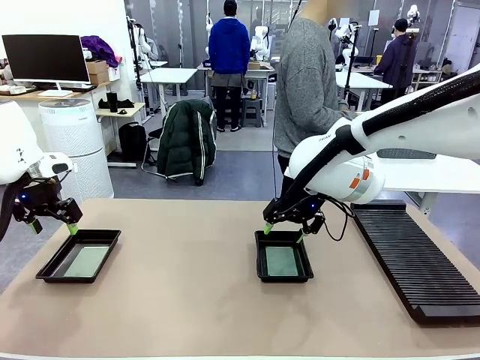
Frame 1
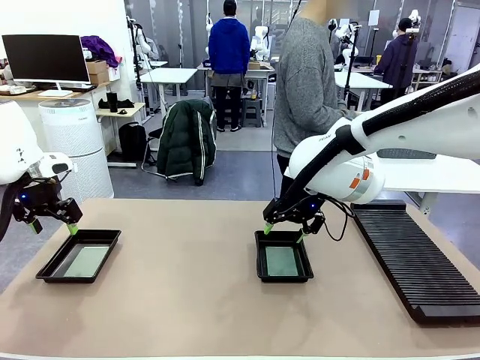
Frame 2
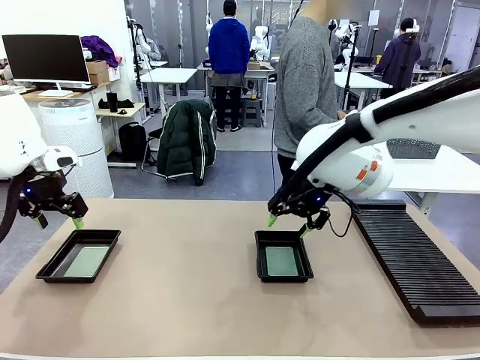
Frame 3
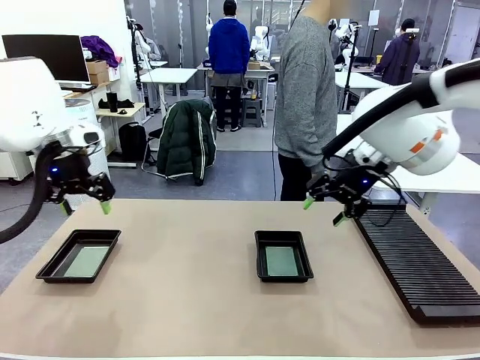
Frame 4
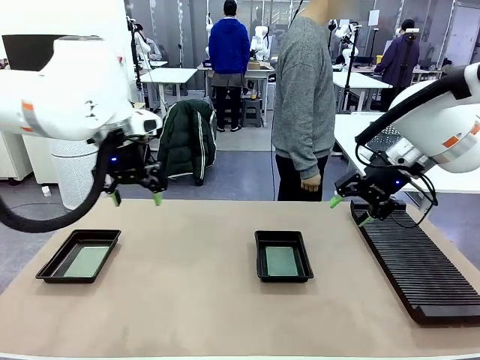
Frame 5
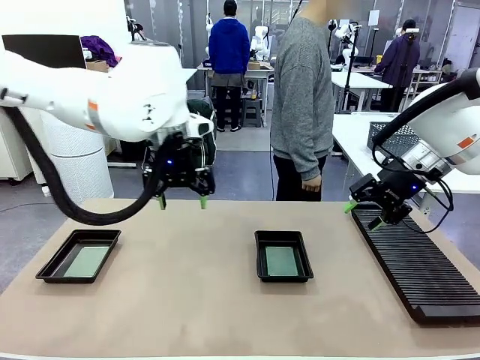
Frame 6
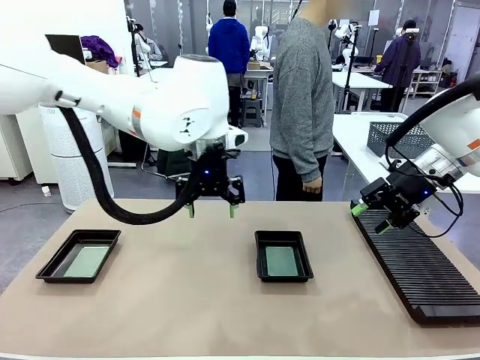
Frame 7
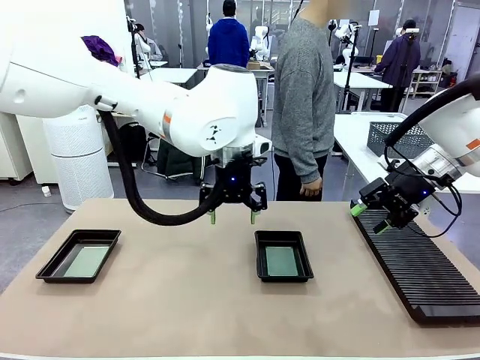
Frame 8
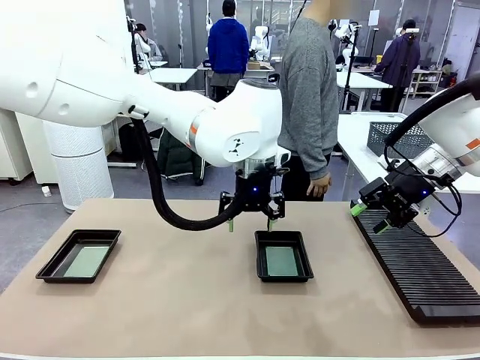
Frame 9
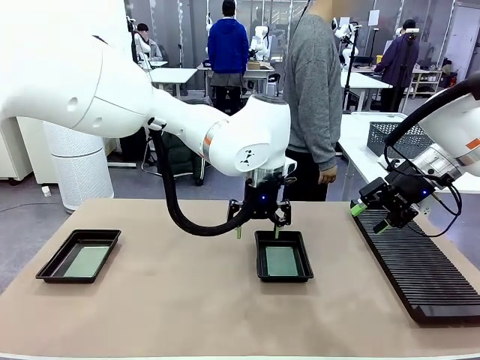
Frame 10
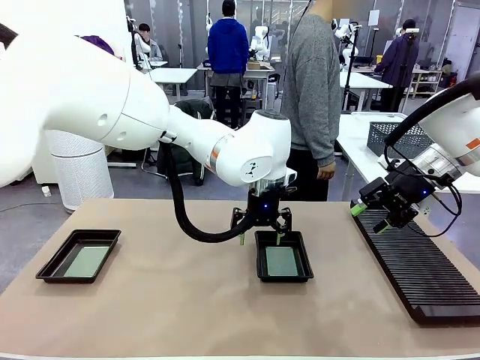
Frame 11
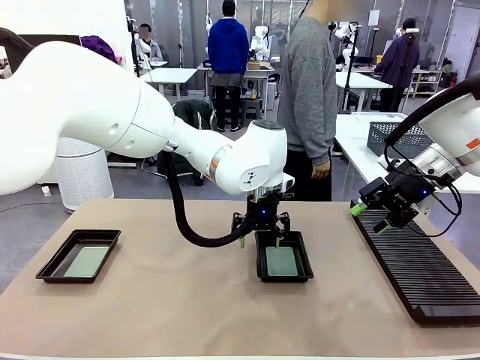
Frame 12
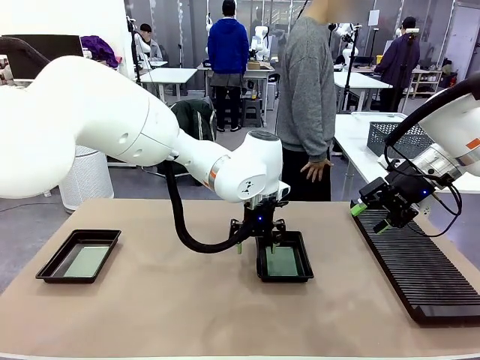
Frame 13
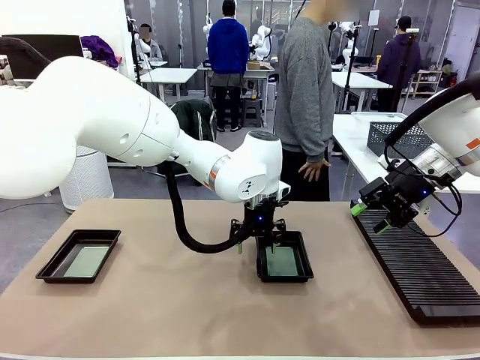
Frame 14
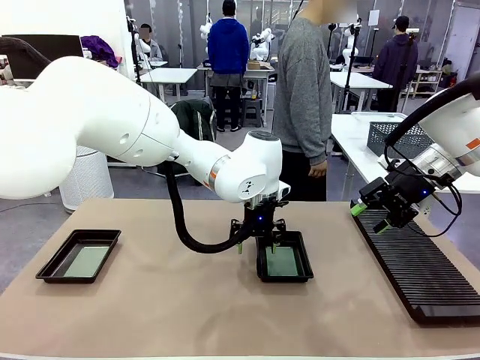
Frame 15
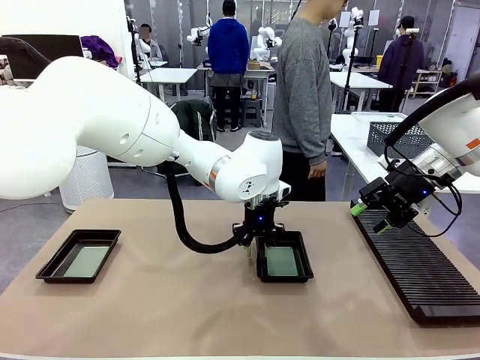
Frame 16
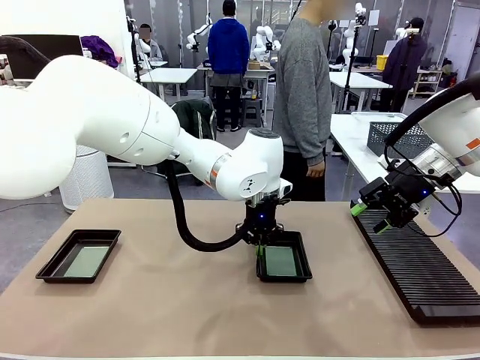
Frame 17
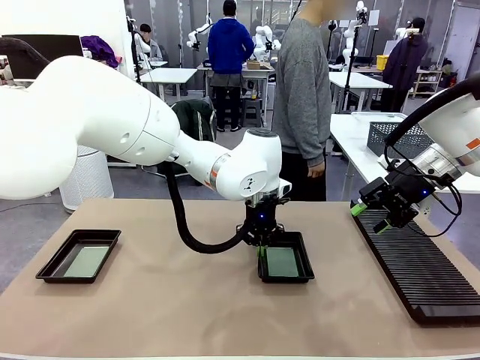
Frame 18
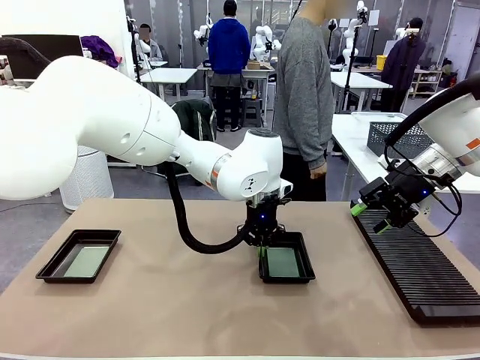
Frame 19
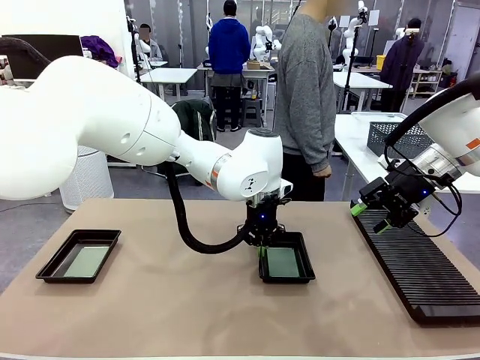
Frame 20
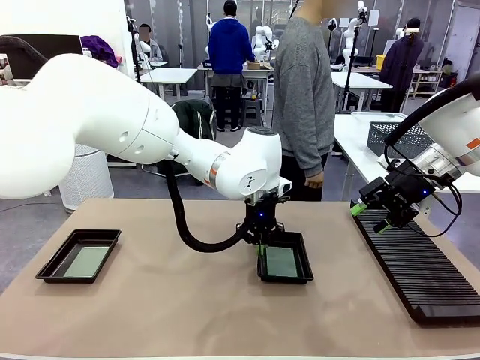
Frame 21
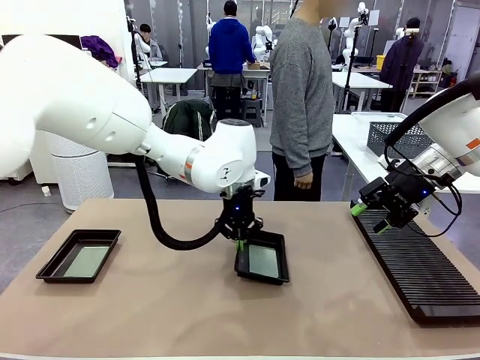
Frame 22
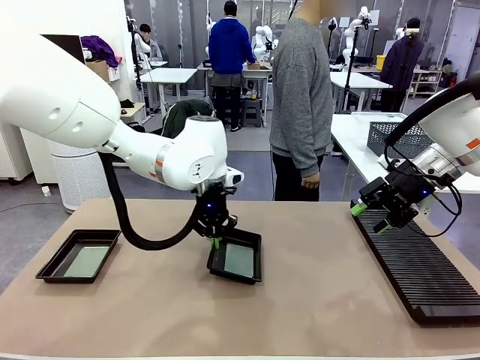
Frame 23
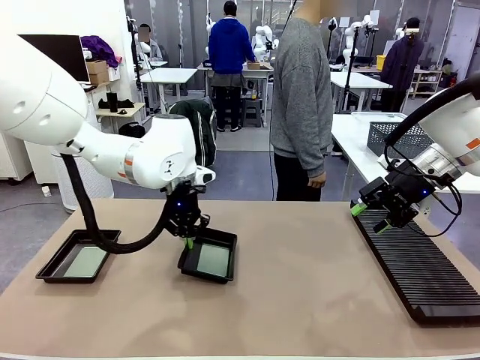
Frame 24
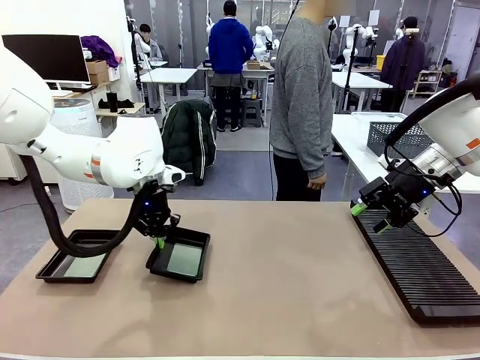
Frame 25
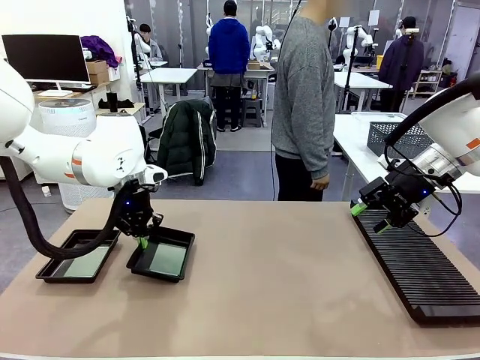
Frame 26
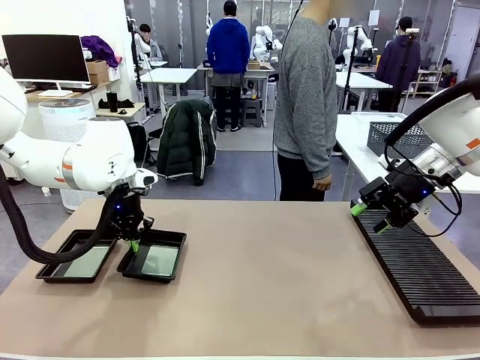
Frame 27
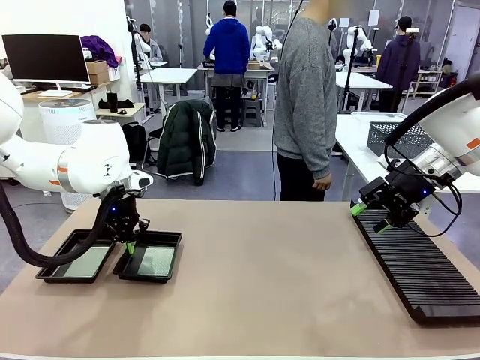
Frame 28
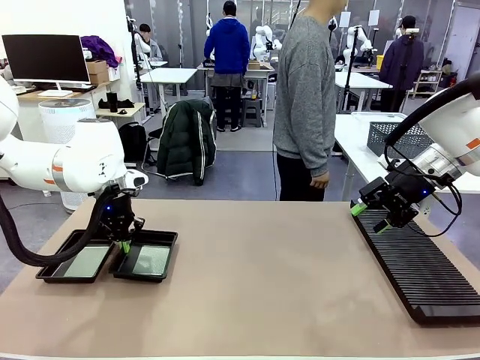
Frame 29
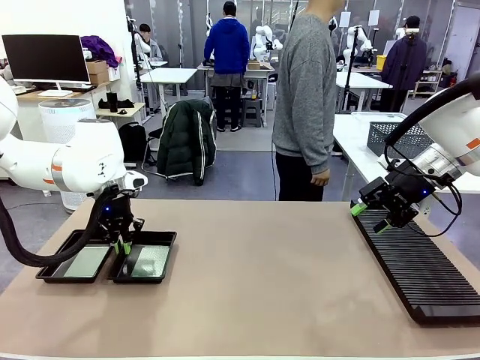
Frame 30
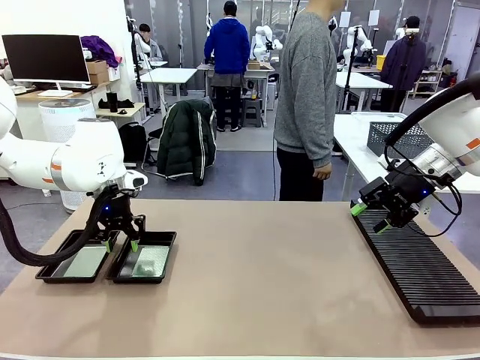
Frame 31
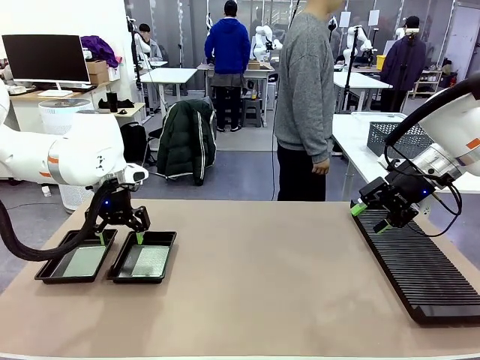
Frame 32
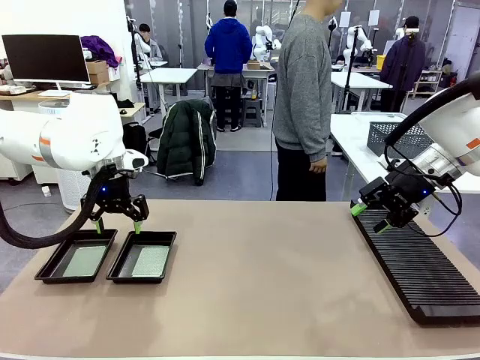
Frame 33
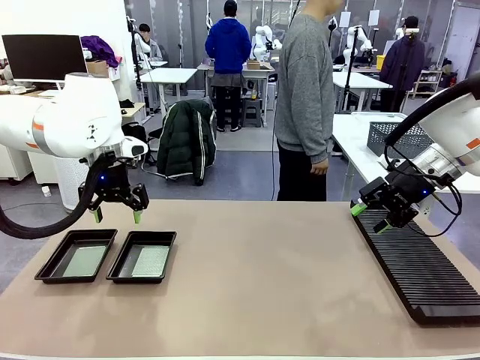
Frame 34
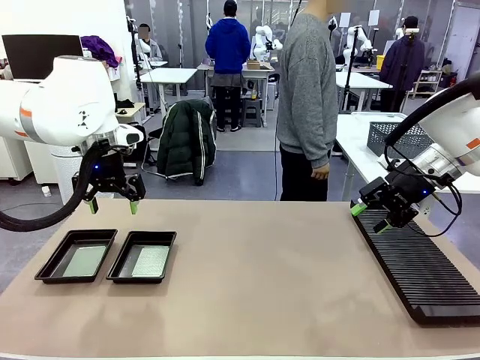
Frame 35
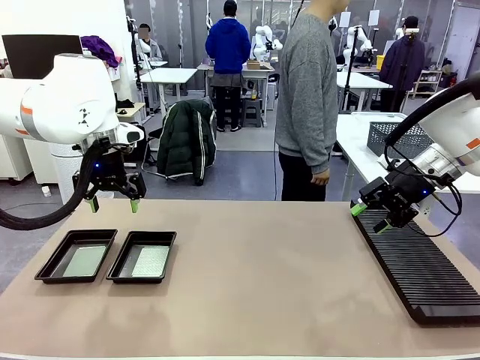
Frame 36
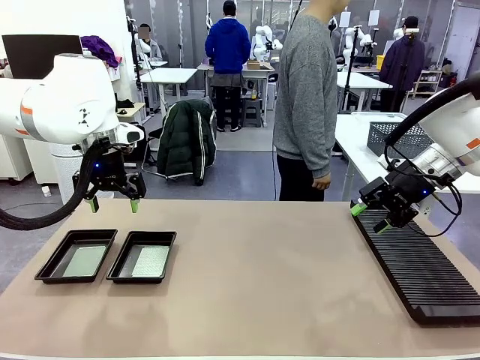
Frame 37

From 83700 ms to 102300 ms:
Task: Inspect and transfer BCBs to ESD trays.
Robot: Pick up the ESD tray and place it on the left side of the table.

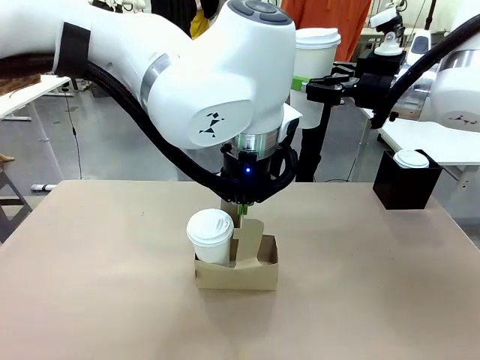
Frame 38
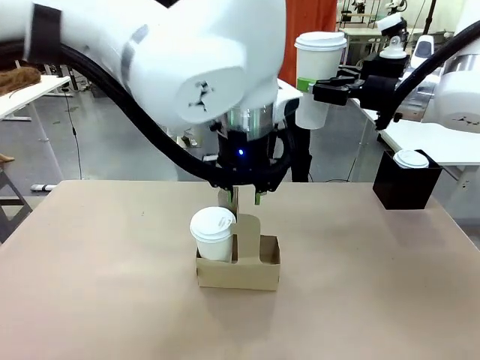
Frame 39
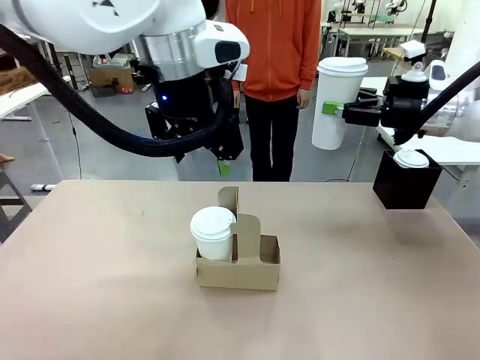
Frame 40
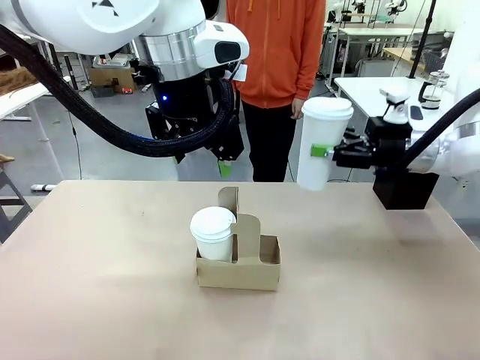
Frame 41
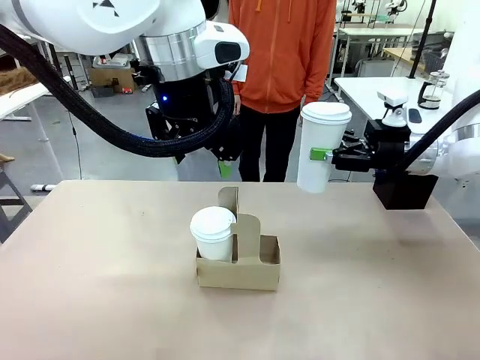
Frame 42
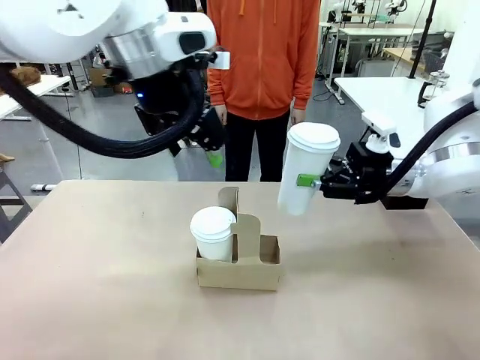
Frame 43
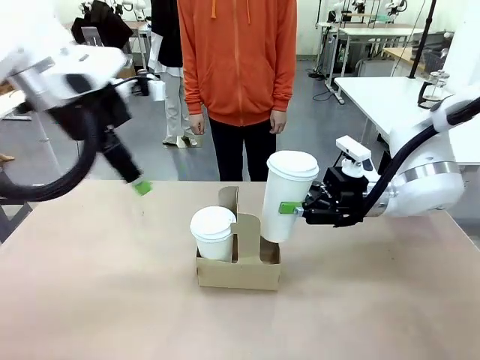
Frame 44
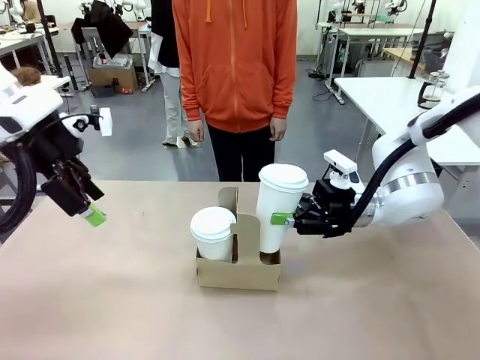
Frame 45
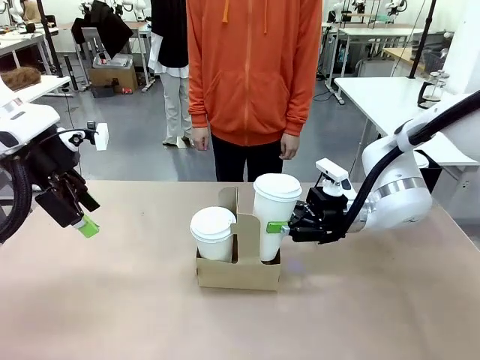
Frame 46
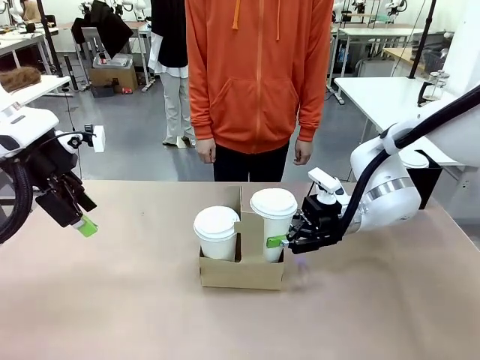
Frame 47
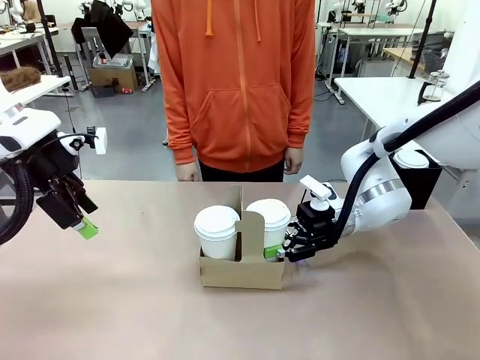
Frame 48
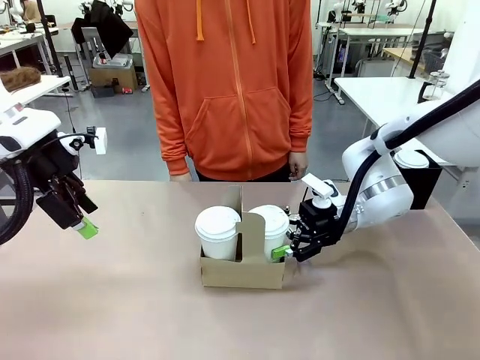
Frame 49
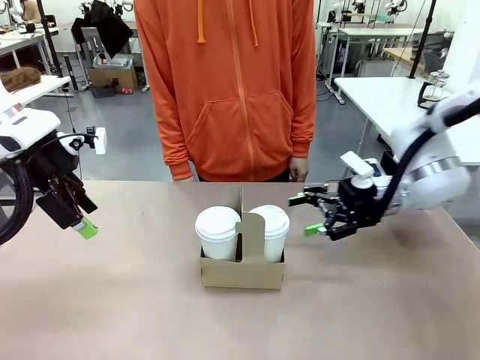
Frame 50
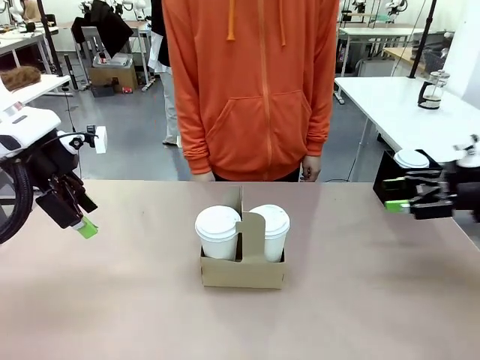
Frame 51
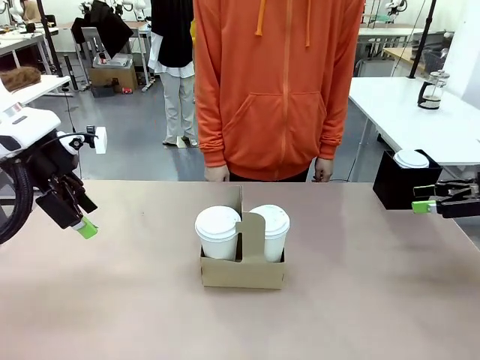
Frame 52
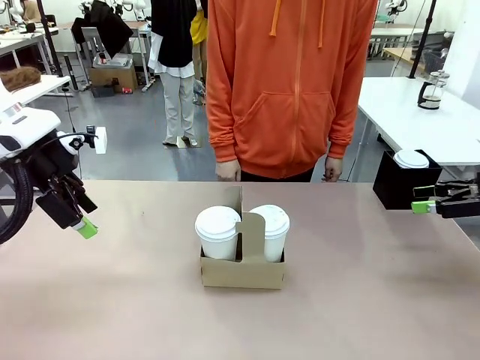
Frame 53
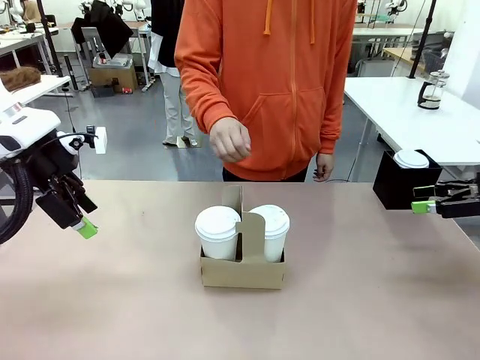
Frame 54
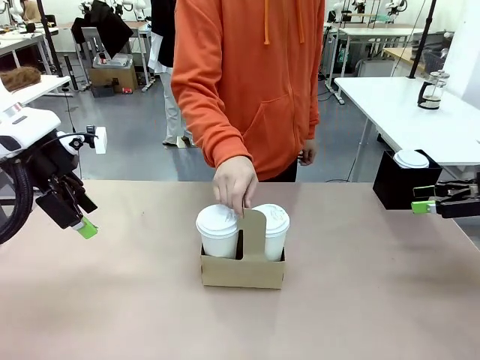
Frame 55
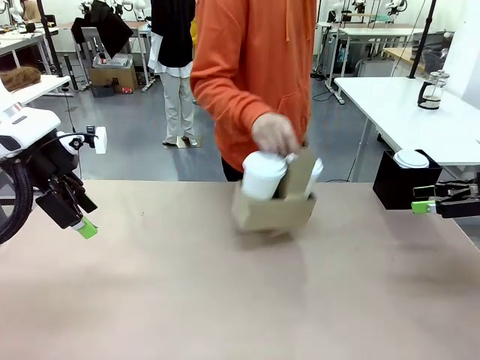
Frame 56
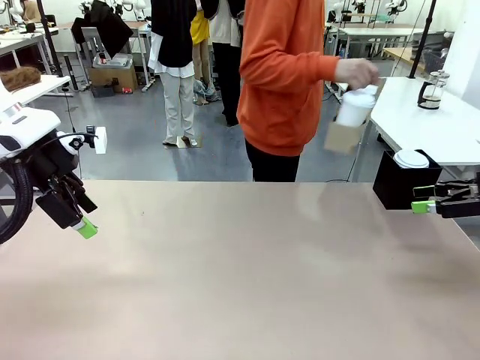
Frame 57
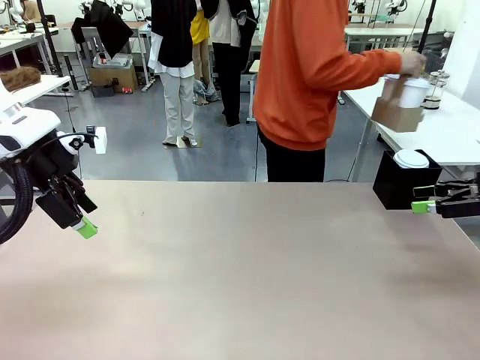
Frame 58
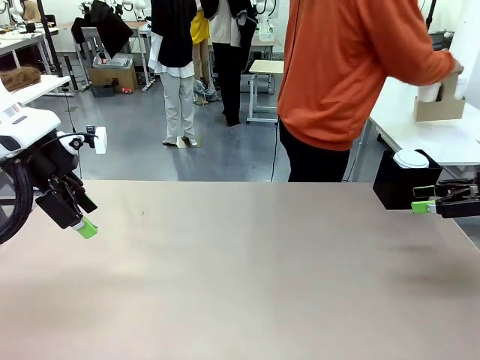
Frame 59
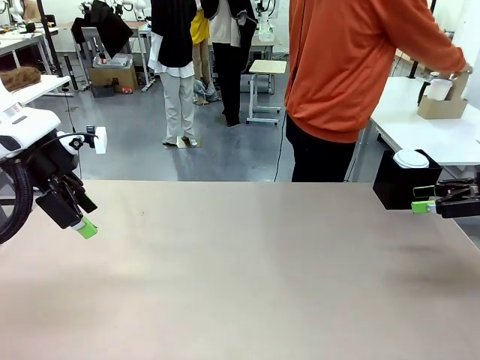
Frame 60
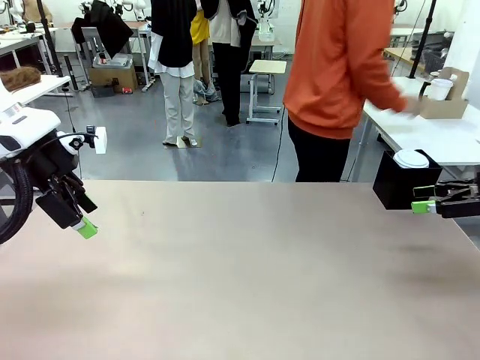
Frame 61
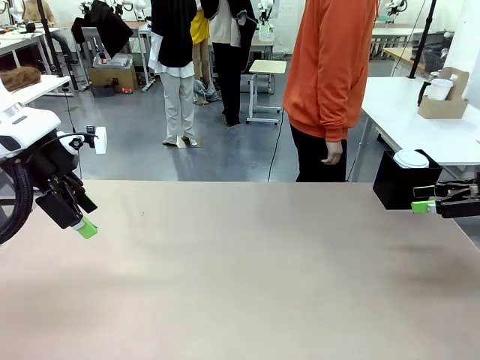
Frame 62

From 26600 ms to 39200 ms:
Task: Pour a drink into a cup and package it in a carrier.
Robot: Insert the held 600 ml Paper Cup into the Cup Carrier.
Person: Place the Cup Carrier to the middle of Human table.
